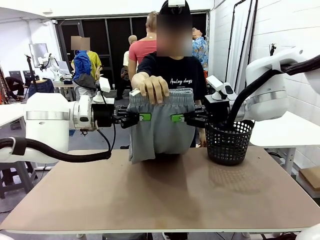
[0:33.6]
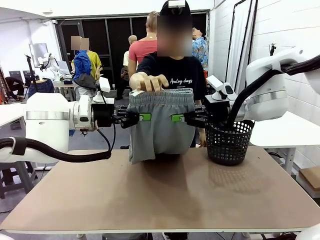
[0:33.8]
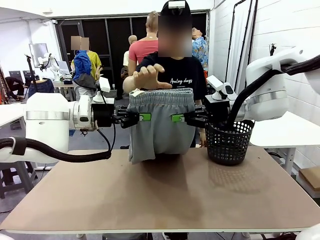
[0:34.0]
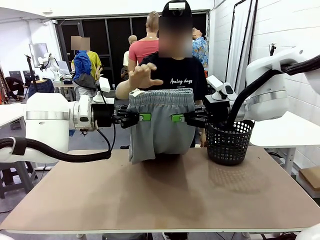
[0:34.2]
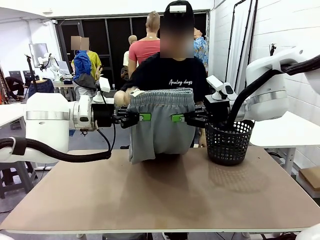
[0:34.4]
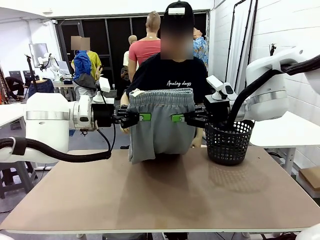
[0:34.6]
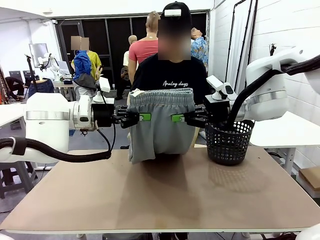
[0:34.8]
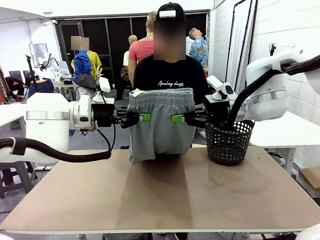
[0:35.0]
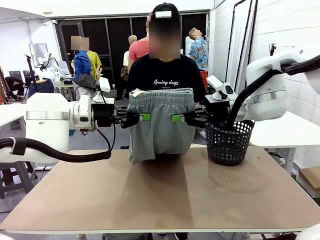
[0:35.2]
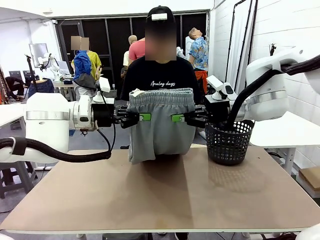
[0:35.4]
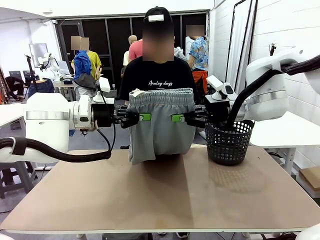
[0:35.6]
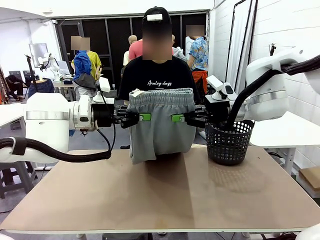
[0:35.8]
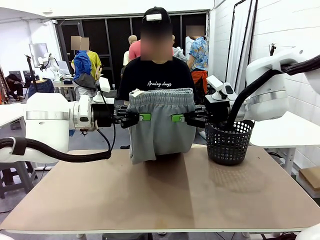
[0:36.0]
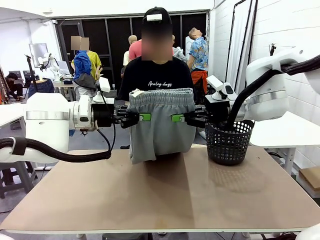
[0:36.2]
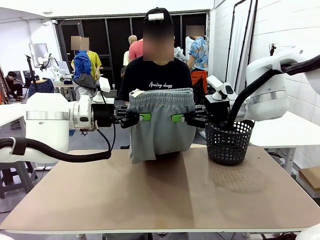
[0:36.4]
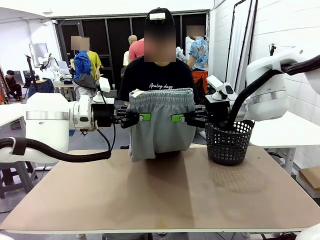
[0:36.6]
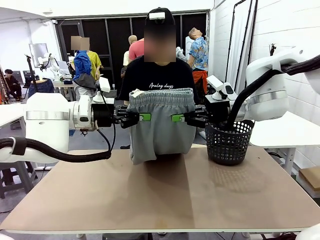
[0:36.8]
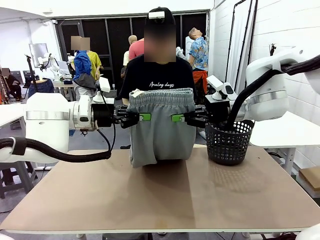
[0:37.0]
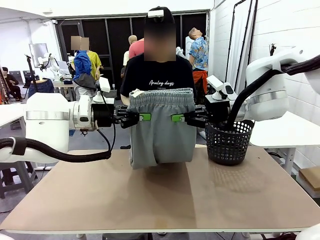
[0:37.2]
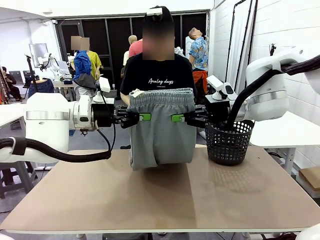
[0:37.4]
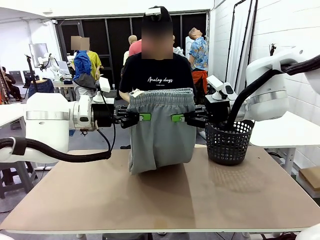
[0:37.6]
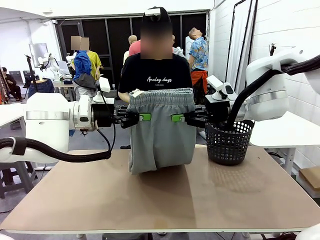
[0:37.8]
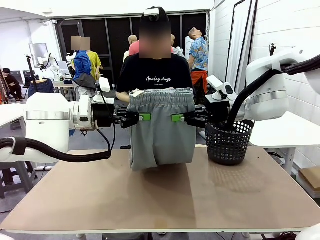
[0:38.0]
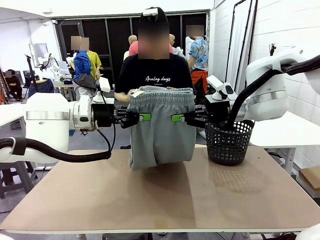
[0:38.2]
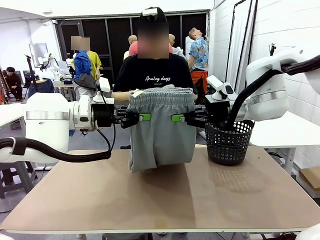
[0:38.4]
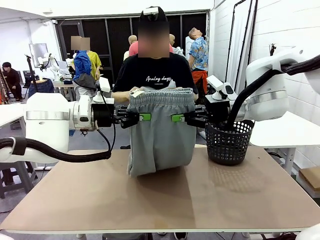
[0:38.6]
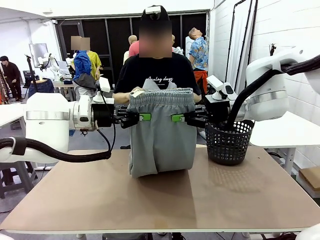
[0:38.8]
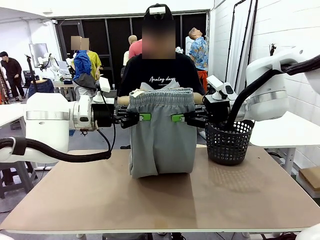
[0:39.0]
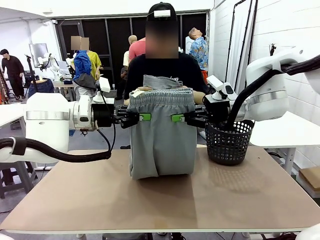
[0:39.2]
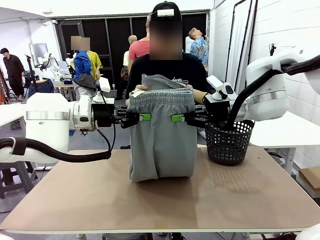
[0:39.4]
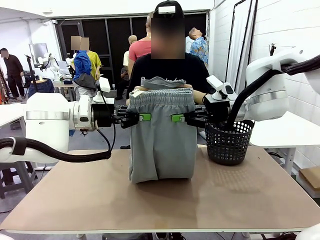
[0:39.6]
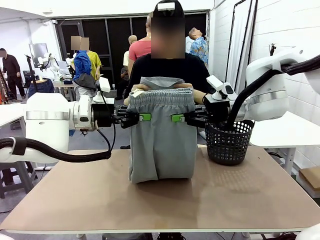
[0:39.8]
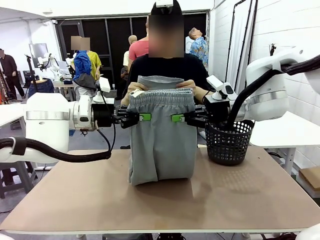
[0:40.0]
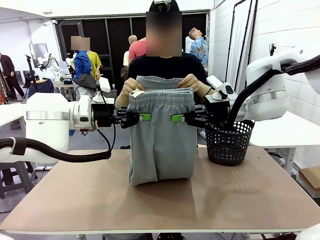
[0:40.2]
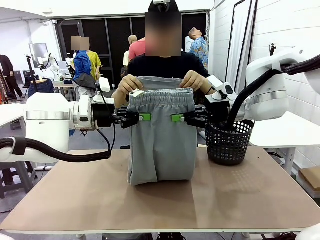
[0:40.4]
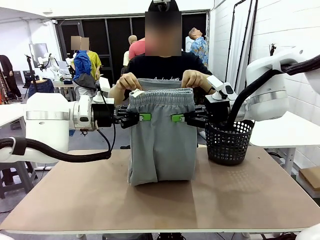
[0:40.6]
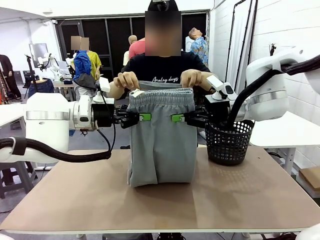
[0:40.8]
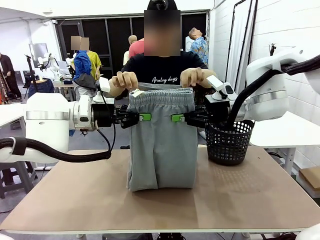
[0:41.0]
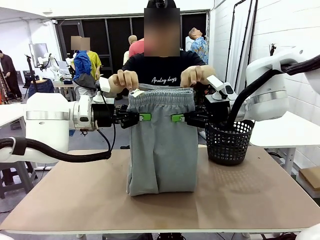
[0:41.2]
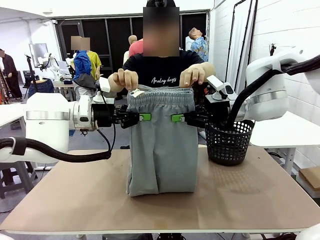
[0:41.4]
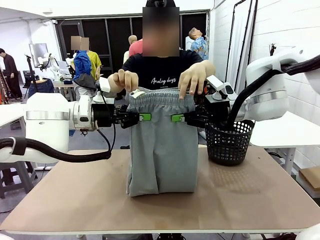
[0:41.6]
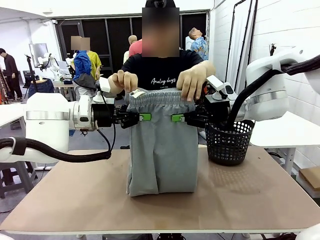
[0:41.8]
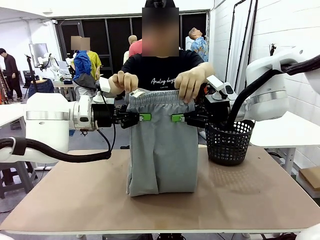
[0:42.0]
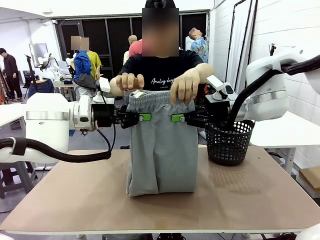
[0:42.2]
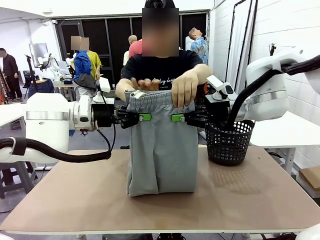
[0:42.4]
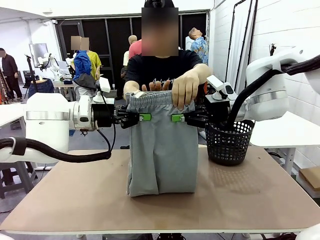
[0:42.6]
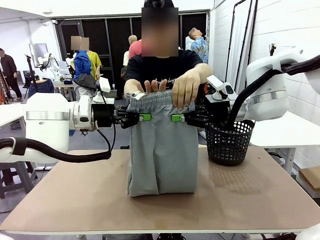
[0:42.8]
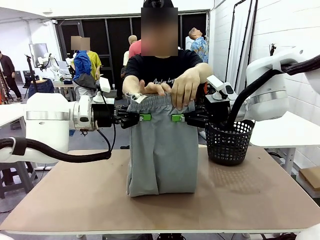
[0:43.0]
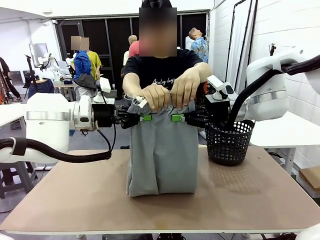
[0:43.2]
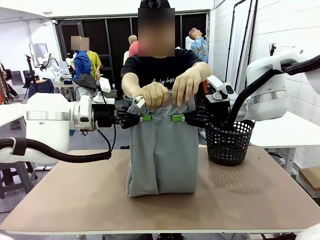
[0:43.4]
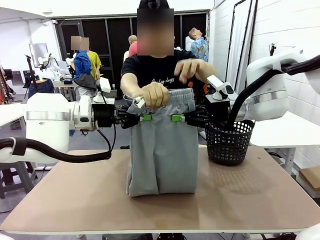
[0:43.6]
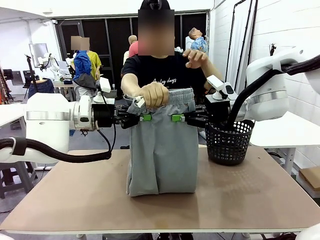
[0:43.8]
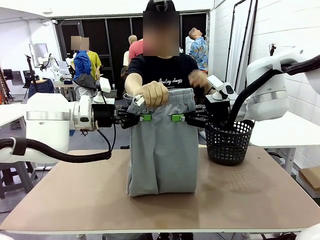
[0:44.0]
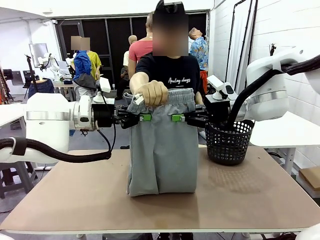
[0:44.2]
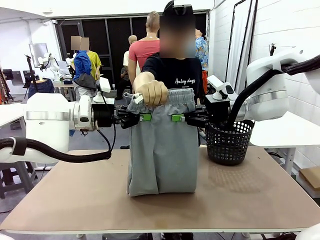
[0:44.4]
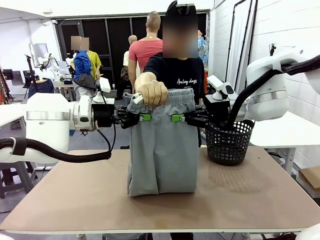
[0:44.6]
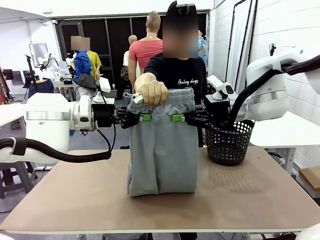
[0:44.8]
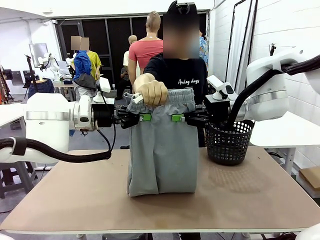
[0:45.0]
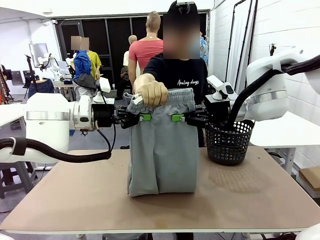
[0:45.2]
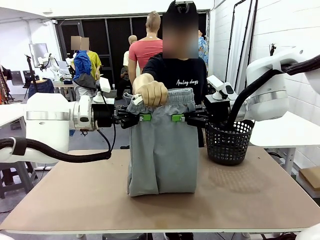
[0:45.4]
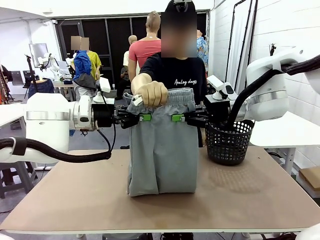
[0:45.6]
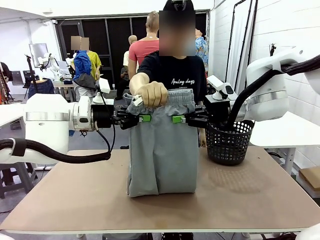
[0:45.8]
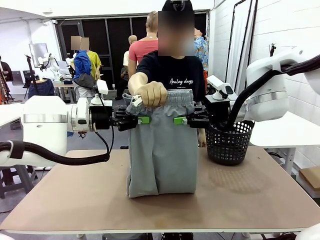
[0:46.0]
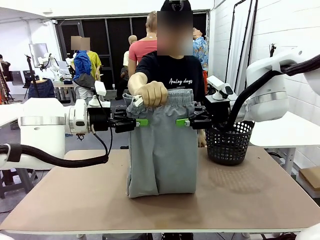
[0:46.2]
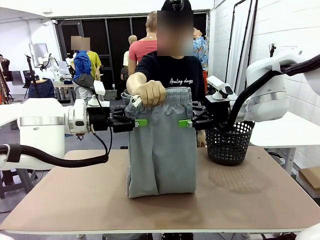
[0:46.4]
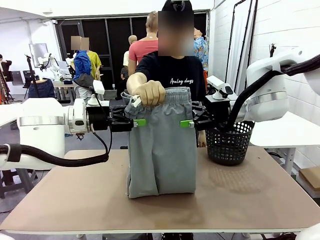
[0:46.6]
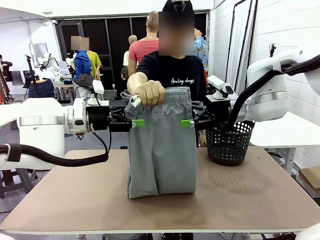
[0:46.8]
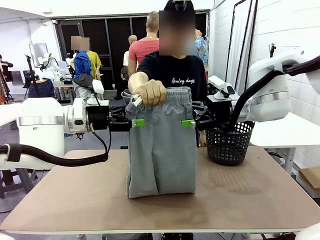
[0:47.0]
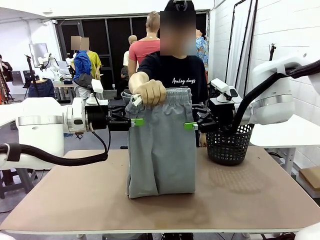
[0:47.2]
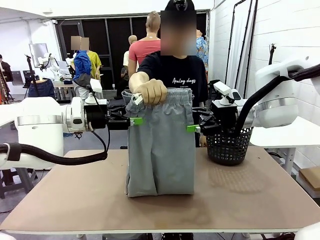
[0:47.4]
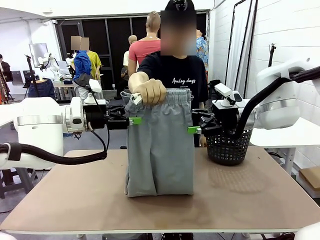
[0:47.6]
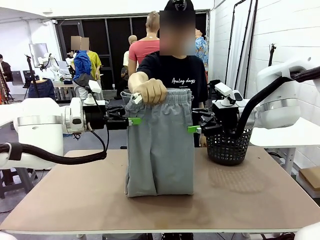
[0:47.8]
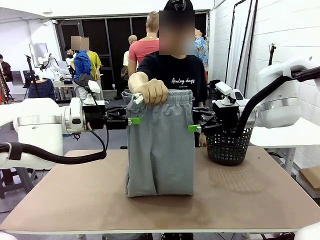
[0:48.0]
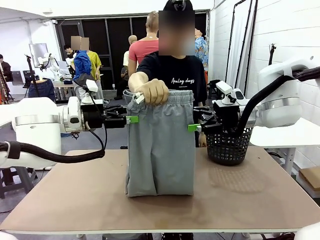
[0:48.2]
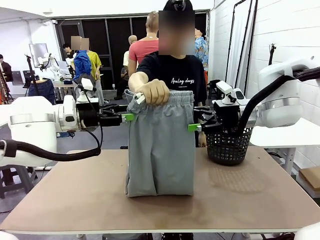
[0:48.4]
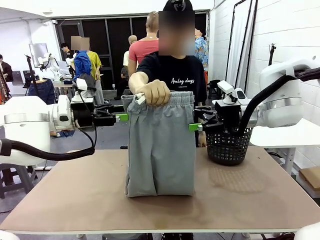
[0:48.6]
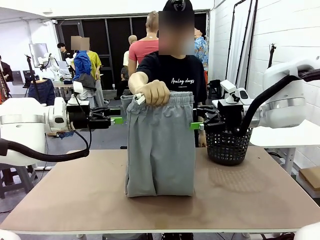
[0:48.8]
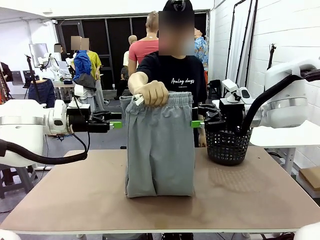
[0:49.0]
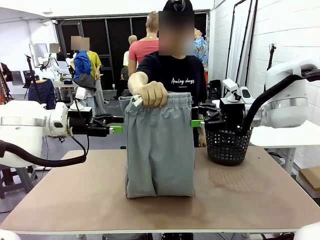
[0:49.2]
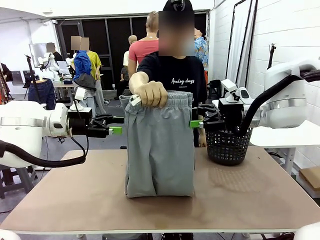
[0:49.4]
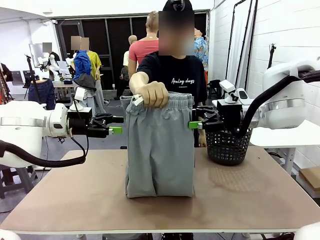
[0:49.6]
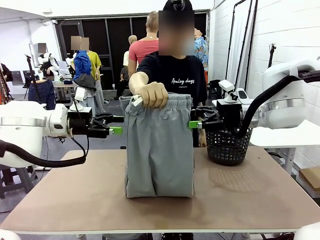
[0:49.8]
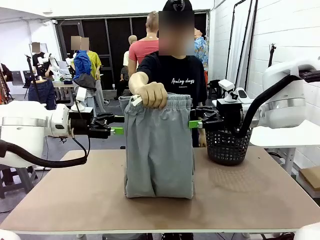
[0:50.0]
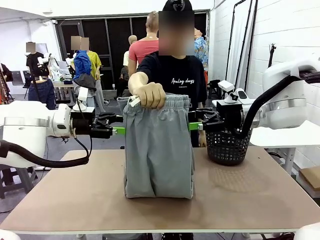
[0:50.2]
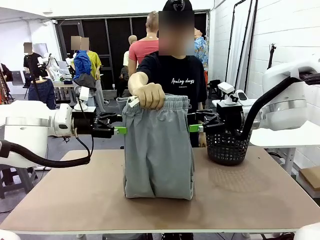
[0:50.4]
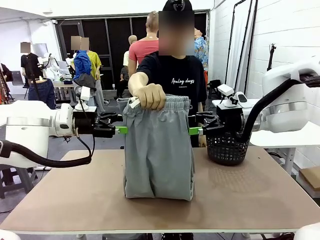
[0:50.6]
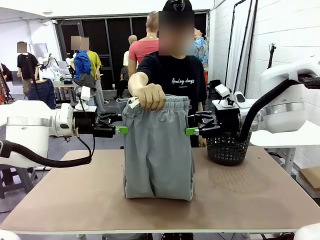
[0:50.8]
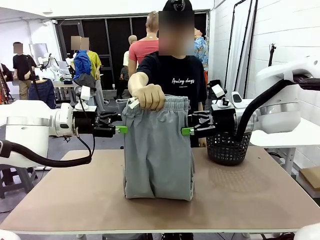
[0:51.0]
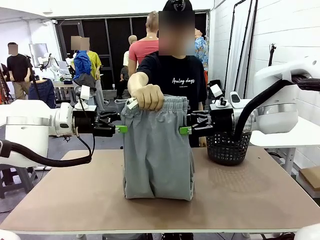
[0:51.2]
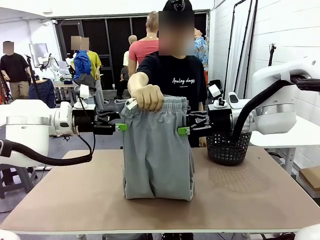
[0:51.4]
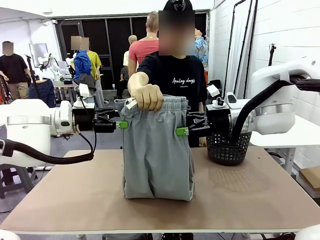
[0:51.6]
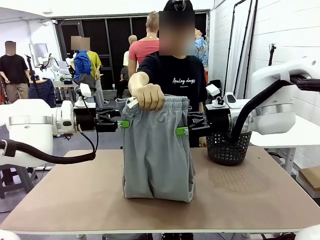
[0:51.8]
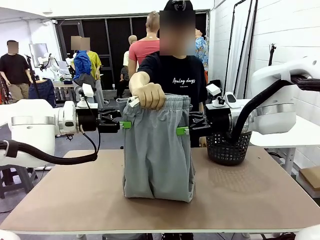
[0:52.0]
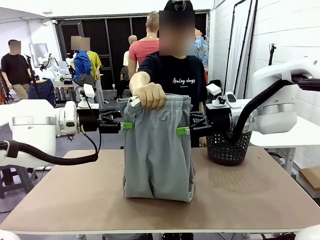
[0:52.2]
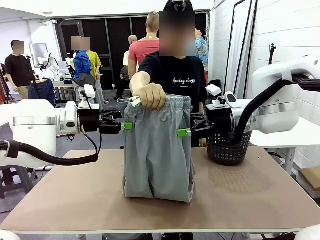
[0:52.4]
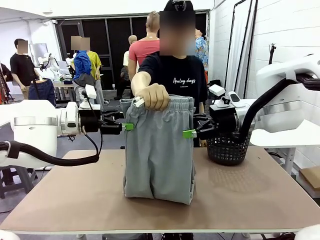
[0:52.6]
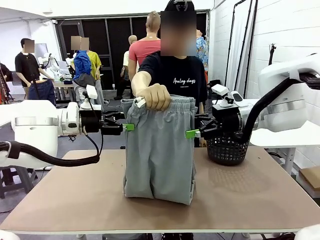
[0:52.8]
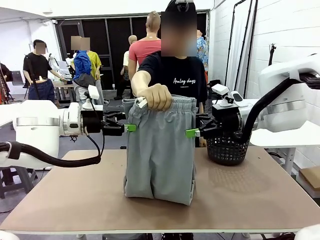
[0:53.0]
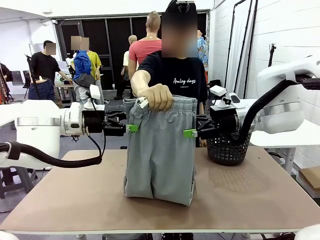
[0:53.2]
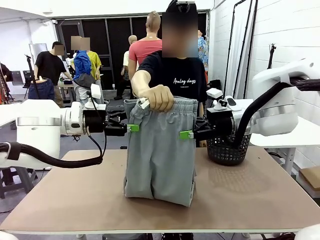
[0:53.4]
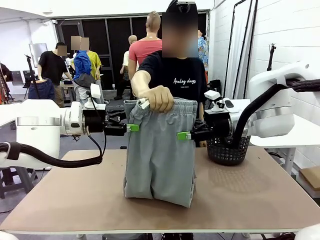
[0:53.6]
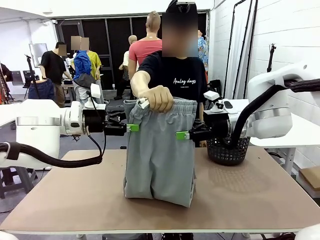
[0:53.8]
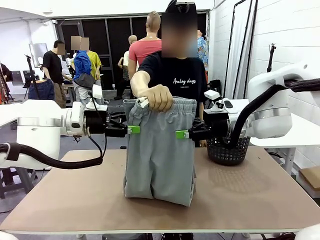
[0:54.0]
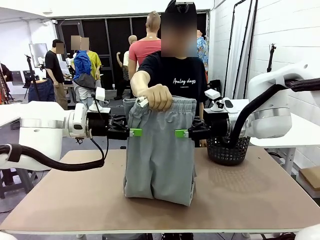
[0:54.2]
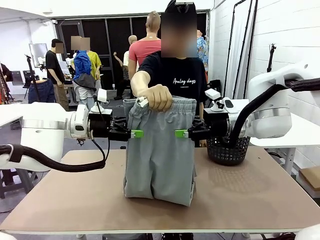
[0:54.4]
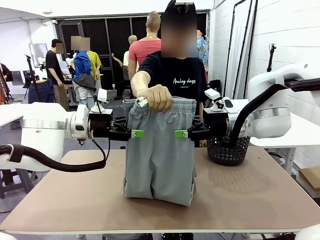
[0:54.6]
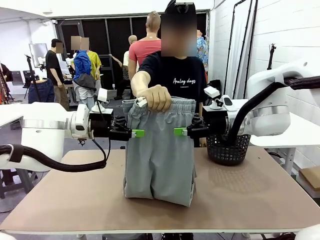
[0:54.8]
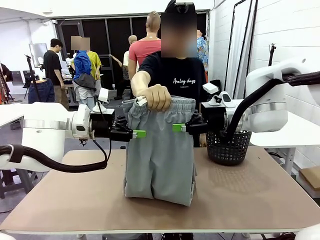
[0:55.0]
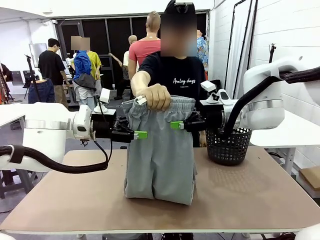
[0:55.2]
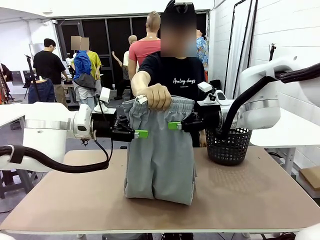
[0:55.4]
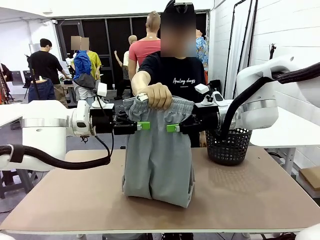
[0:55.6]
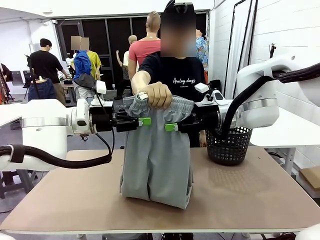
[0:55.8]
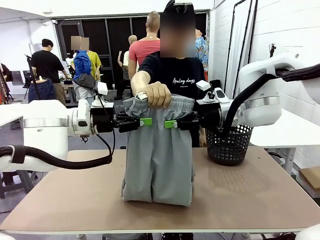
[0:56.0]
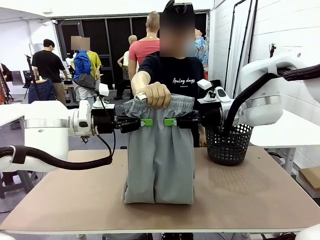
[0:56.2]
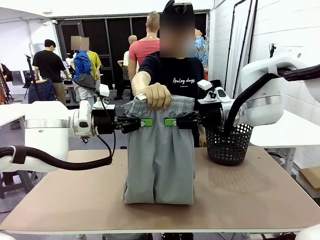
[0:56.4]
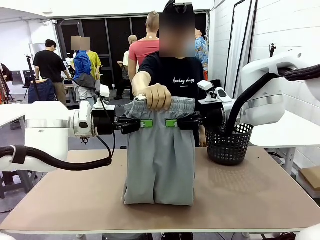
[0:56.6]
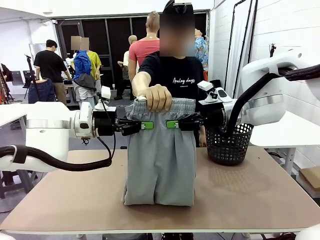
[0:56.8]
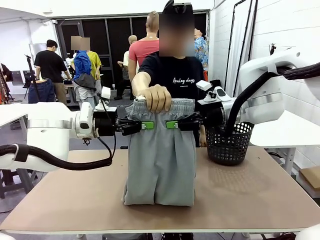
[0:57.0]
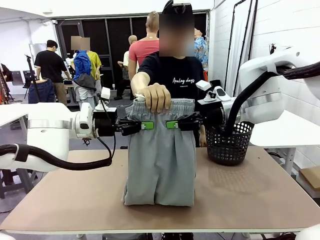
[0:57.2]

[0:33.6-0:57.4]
Task: Fold the training pants.
Robot: Release the ends of the Training pants and then grab the overlapped ends.
Person: Grasp the end opposite the point the robot is holding, fold the pants in half, and then grasp the overlapping top end of the folded pants. Release the pants you were holding.
